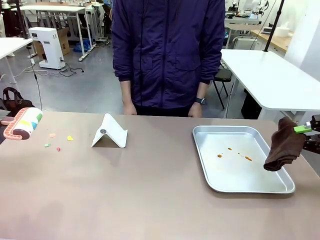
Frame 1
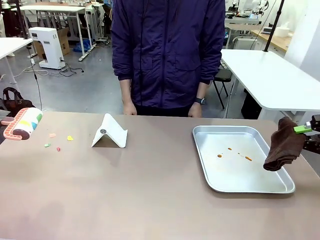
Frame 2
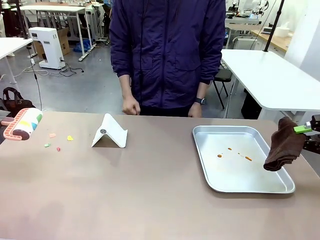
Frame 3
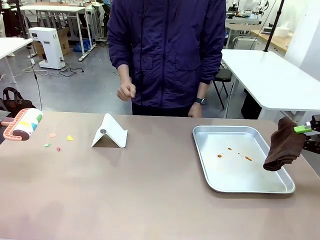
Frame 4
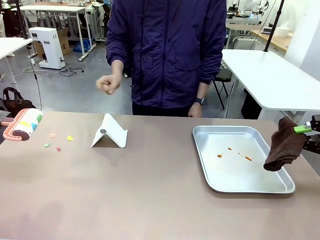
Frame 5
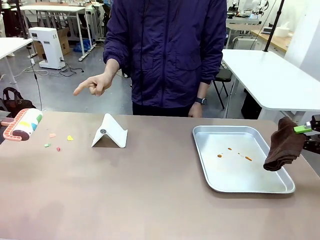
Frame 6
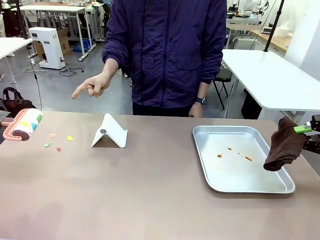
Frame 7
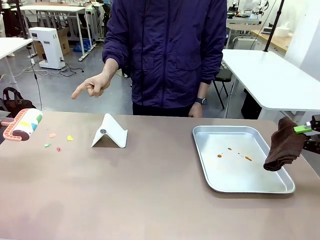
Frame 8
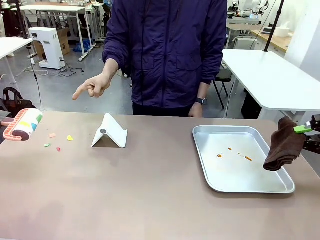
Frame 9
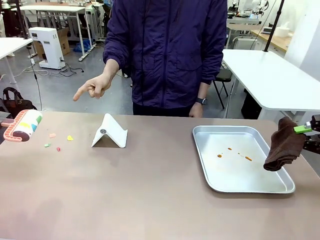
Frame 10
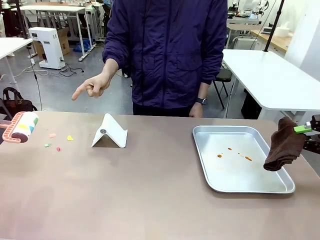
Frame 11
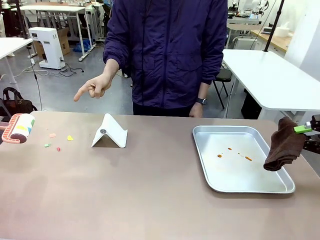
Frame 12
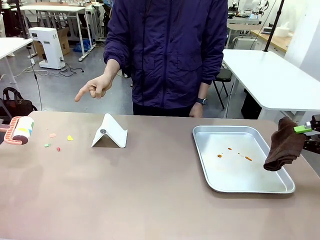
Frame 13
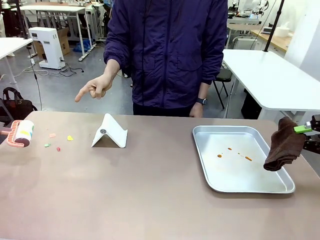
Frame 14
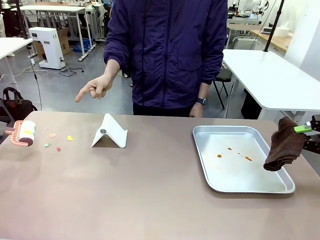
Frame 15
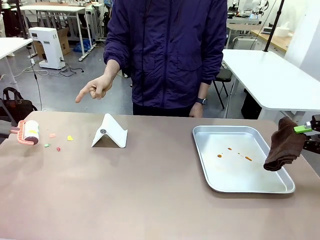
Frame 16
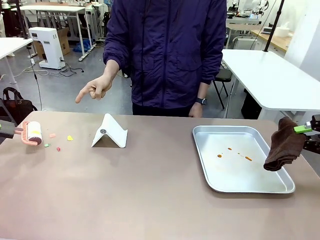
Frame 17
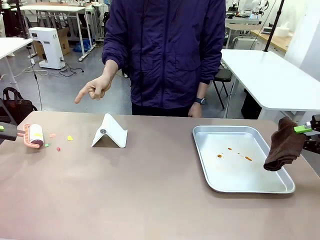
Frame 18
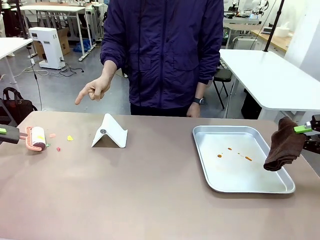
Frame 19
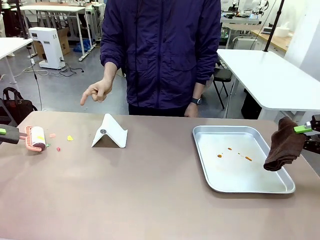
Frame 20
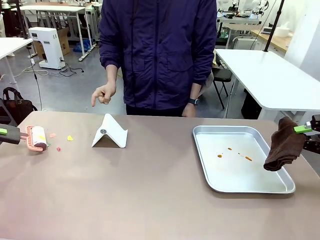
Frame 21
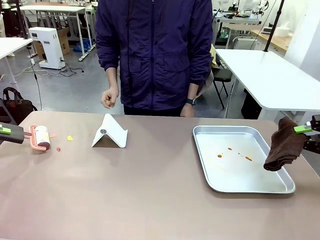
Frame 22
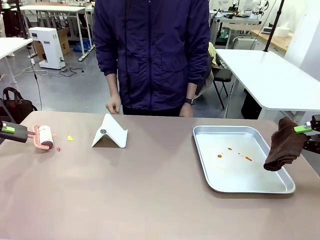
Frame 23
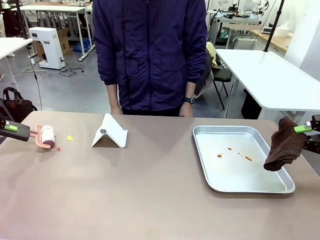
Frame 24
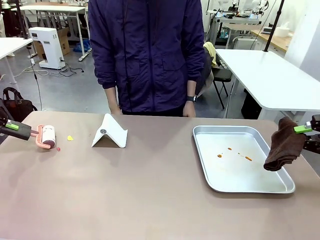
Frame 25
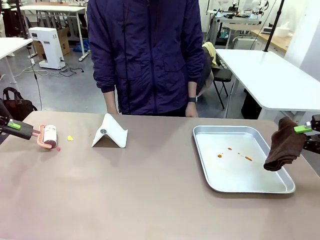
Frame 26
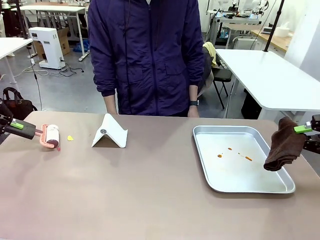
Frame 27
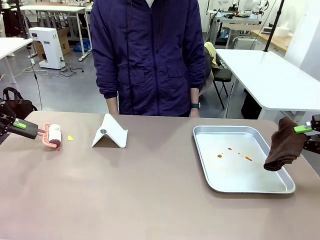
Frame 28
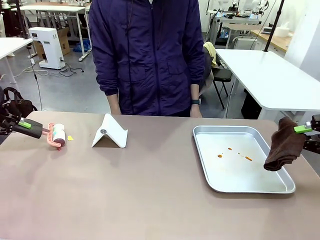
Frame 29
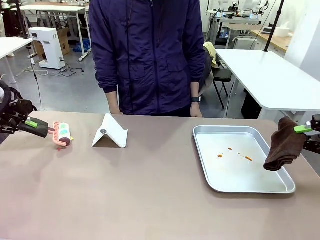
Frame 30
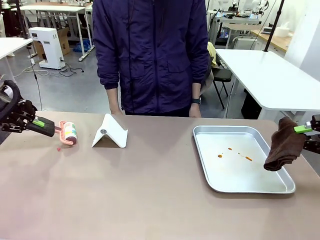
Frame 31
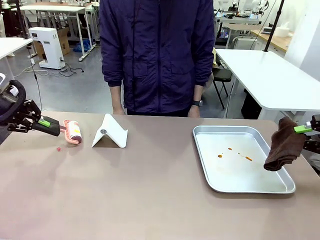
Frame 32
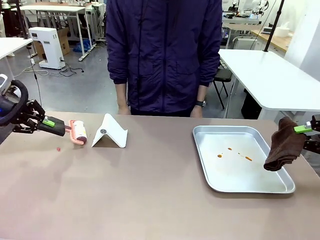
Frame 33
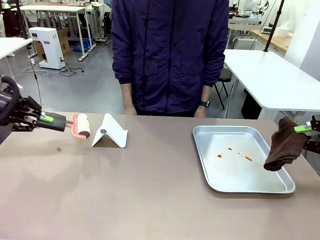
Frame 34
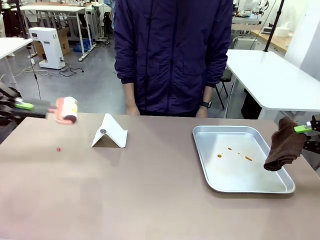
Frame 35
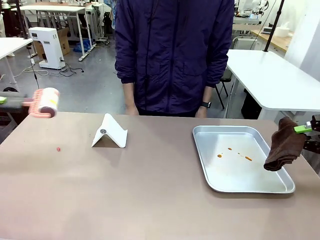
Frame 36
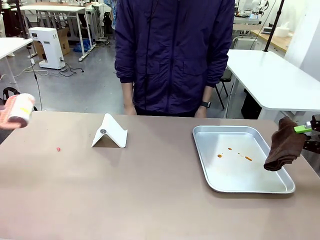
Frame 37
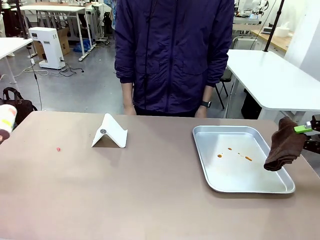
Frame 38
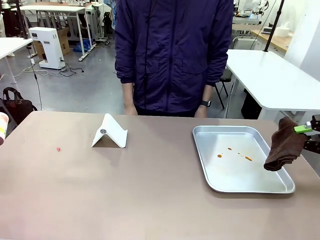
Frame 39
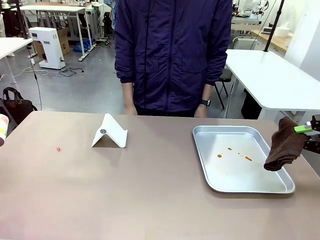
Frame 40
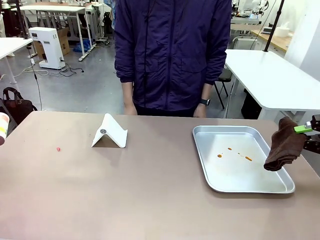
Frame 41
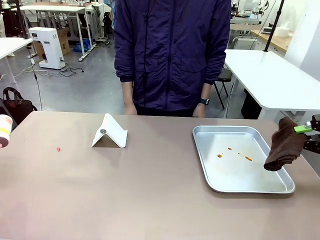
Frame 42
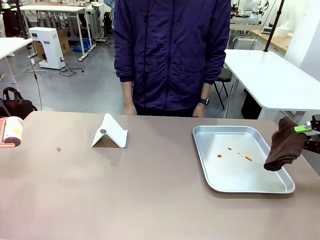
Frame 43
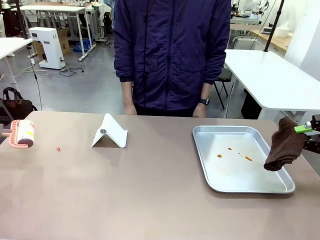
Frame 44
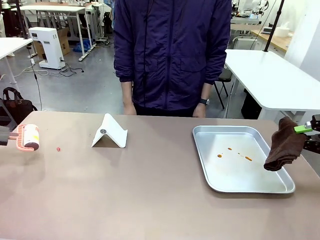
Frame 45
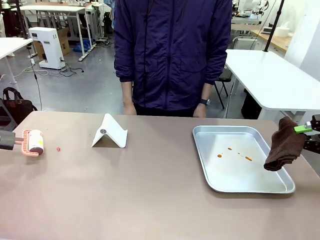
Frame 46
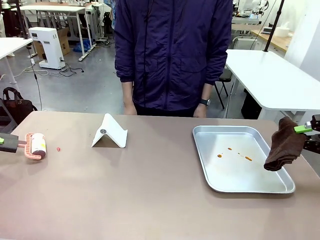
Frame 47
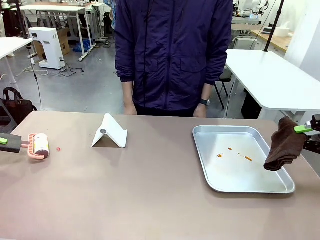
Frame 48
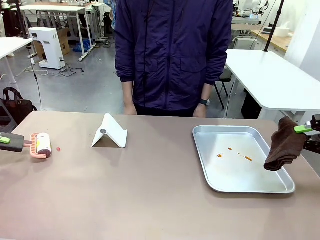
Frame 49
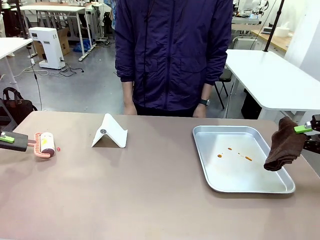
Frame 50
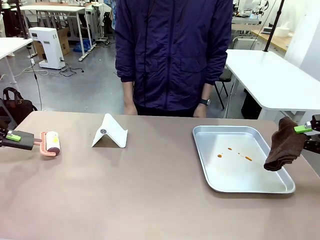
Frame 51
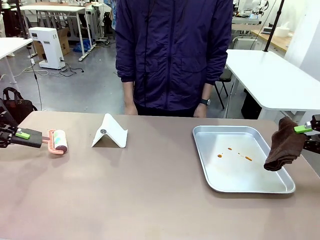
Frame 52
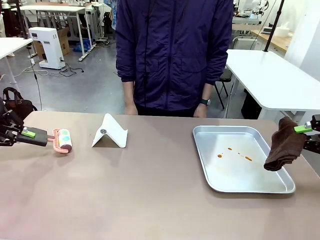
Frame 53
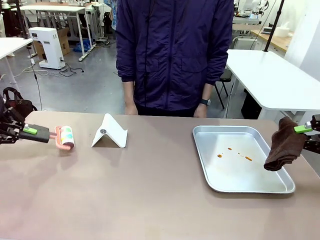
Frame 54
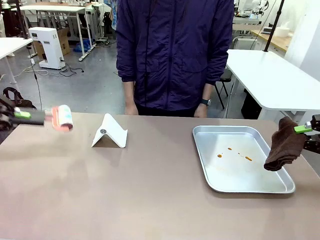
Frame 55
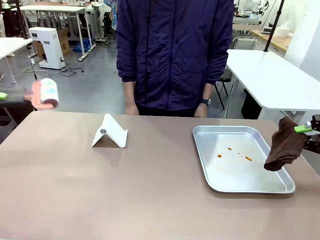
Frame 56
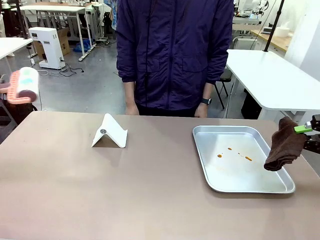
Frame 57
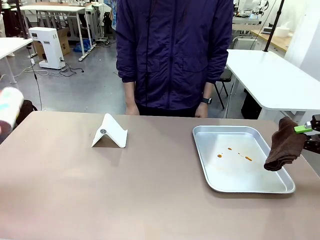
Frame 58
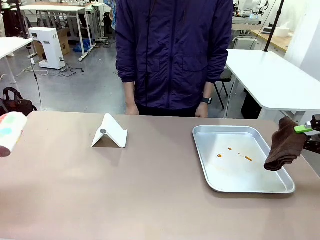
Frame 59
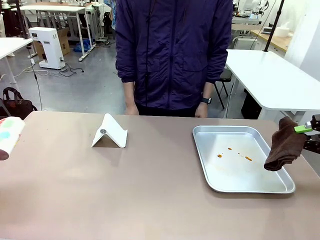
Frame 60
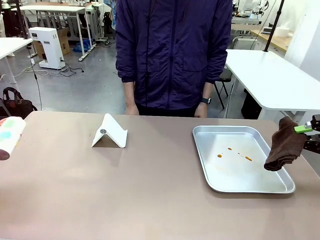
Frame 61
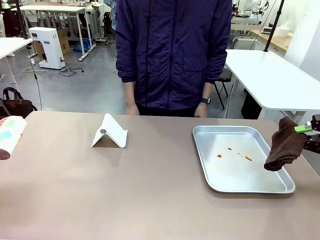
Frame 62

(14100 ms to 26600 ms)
Task: Clean the surface of the table.
Robot: If a person points to the right, clean the right side of the table with your right hand, and if they point to the left, clean the left side with your left hand.

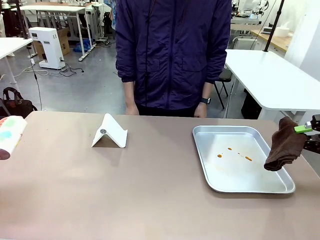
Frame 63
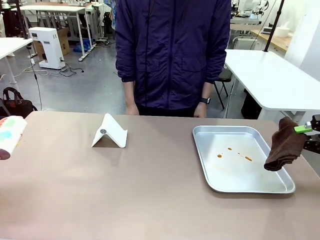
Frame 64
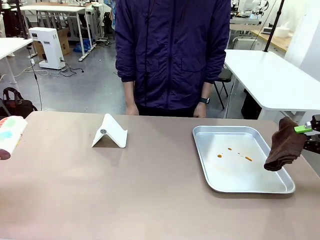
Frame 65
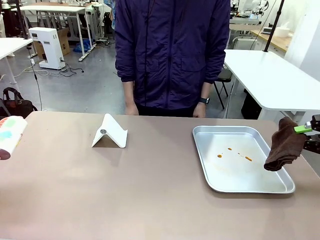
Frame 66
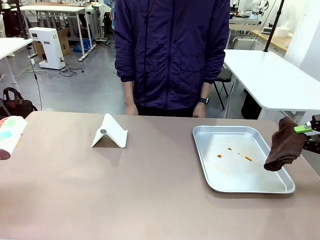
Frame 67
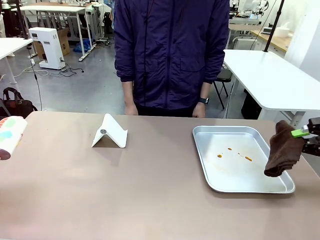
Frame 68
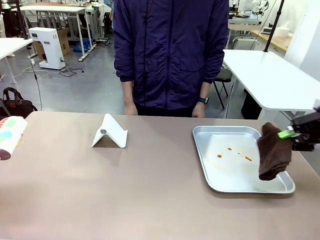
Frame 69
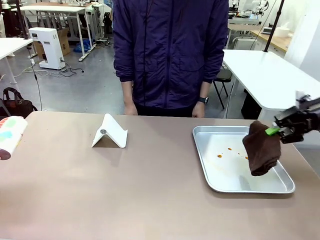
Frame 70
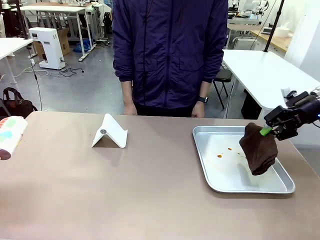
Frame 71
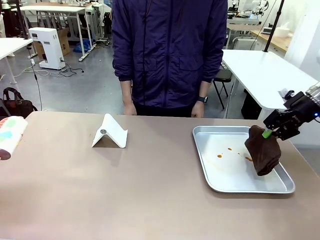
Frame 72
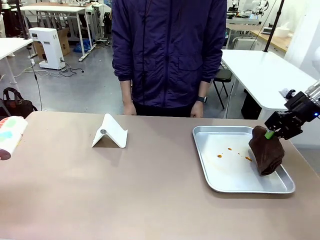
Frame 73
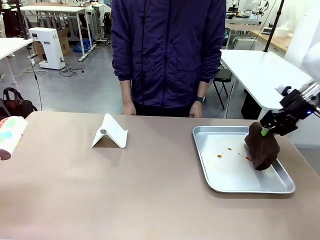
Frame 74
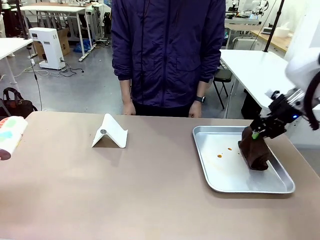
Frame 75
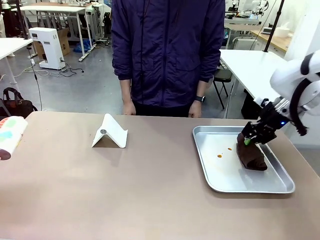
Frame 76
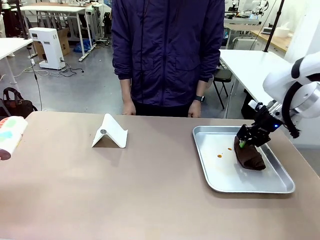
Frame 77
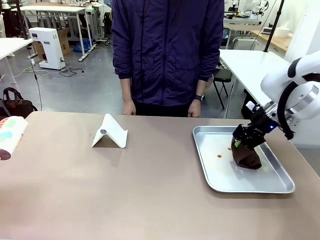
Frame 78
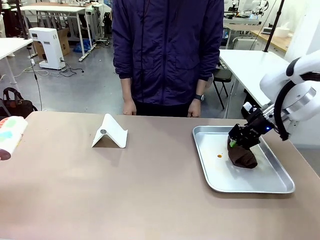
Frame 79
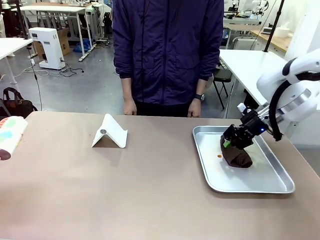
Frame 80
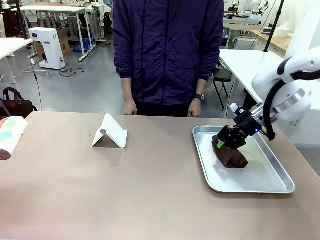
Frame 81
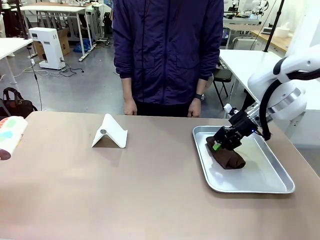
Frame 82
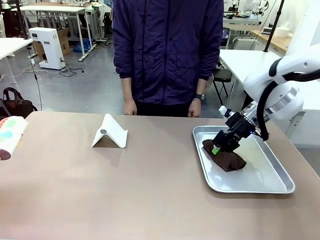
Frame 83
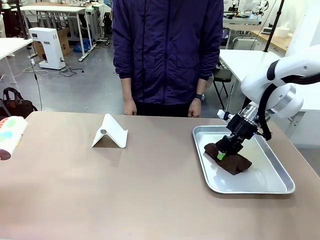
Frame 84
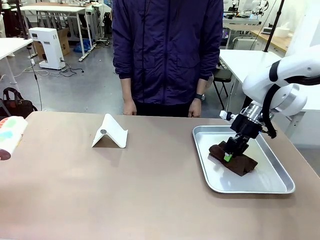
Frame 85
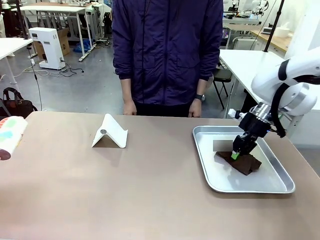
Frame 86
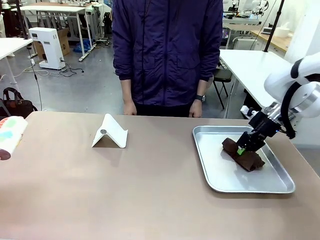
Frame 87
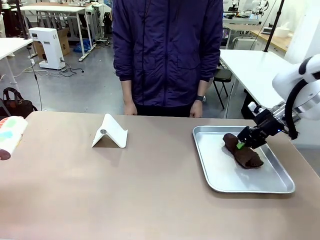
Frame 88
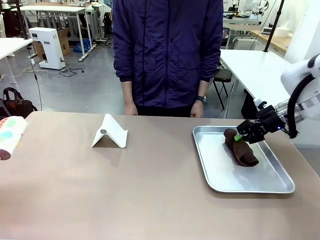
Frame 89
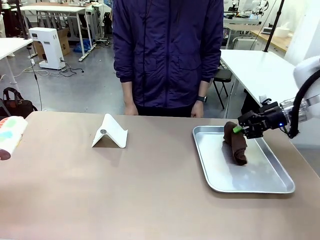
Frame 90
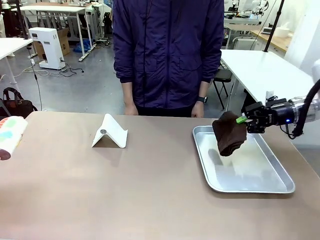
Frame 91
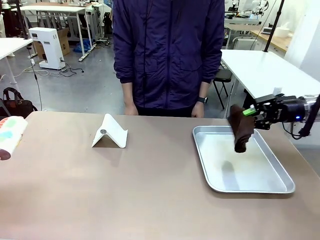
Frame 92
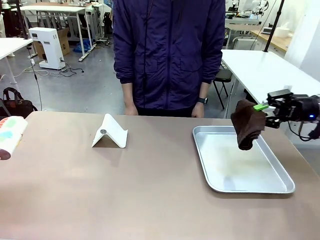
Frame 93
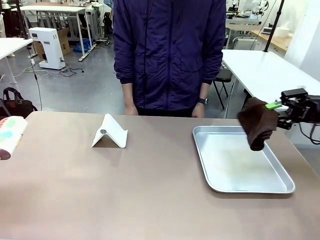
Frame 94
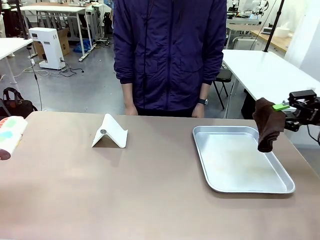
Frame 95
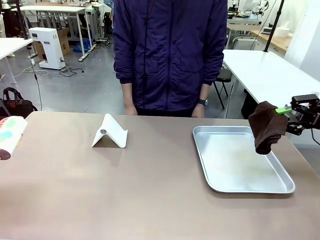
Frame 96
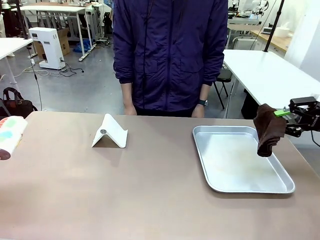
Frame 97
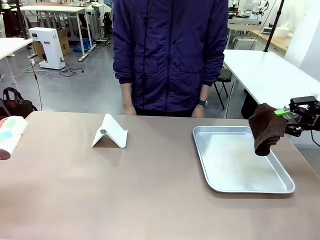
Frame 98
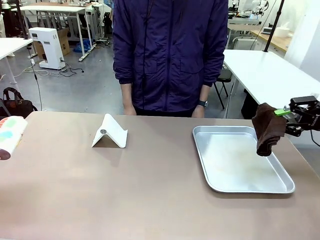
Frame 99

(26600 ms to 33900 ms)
Robot: Clean the area not pointed to by the person.
